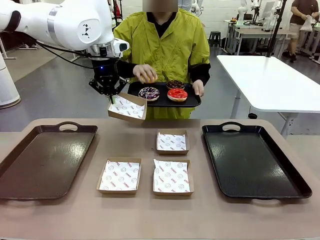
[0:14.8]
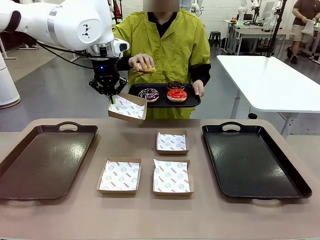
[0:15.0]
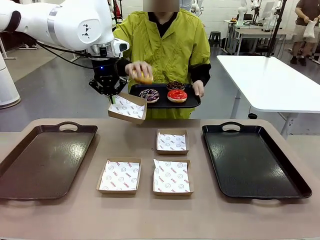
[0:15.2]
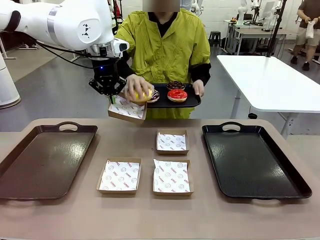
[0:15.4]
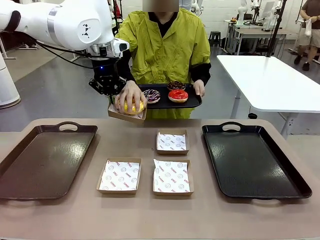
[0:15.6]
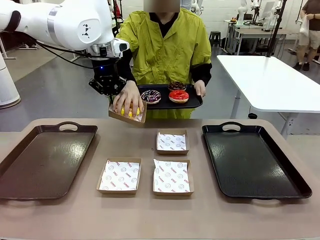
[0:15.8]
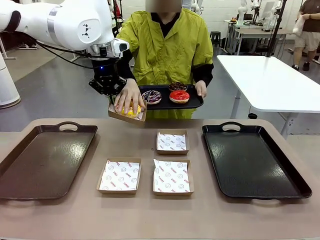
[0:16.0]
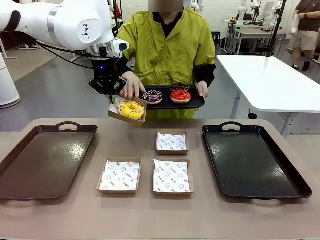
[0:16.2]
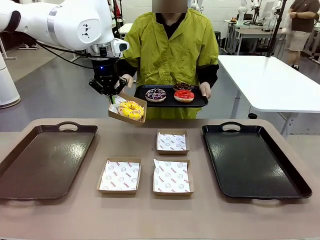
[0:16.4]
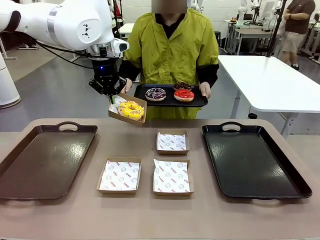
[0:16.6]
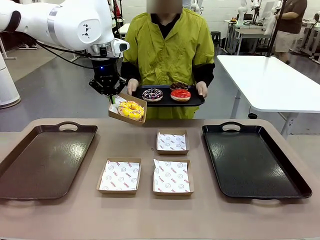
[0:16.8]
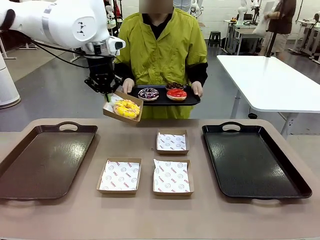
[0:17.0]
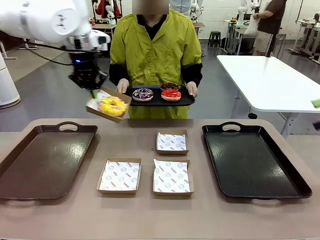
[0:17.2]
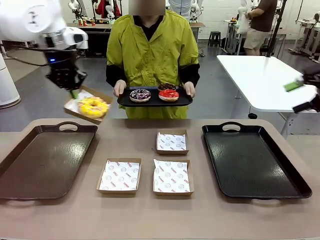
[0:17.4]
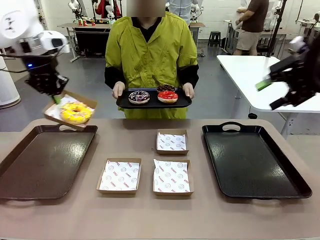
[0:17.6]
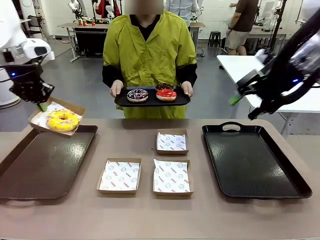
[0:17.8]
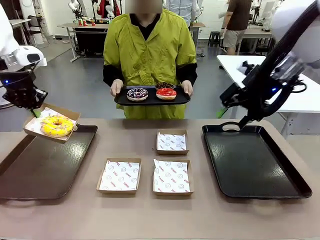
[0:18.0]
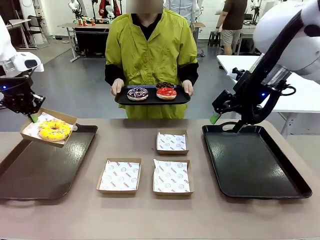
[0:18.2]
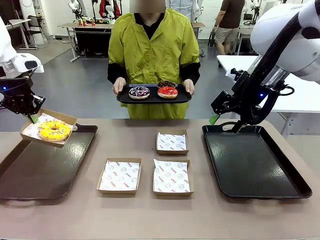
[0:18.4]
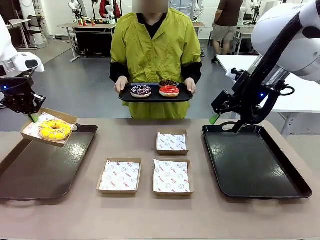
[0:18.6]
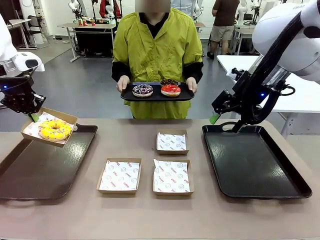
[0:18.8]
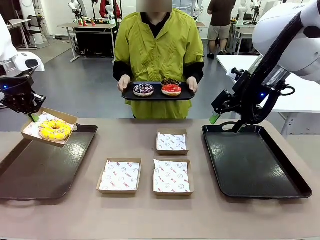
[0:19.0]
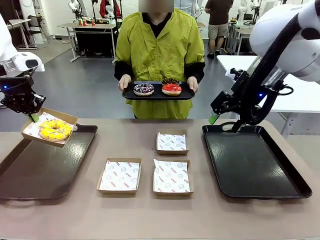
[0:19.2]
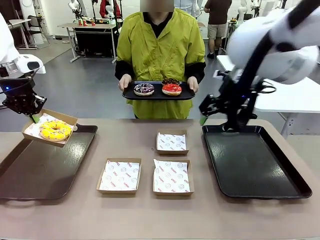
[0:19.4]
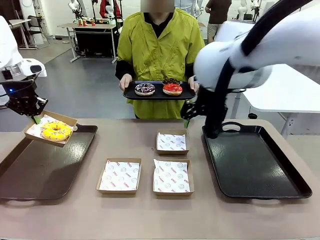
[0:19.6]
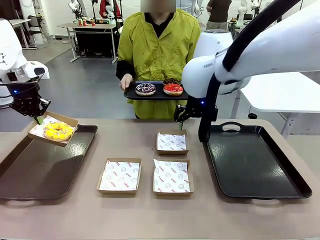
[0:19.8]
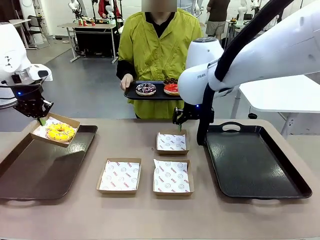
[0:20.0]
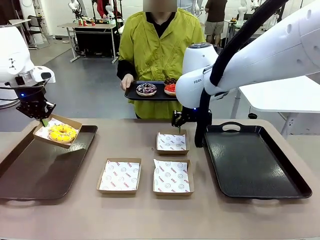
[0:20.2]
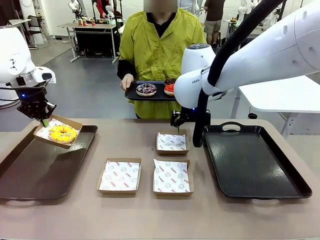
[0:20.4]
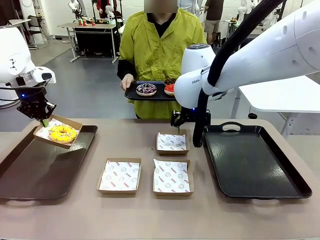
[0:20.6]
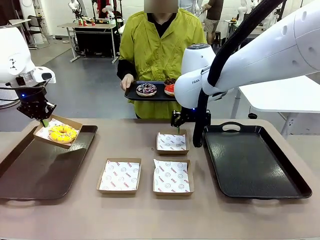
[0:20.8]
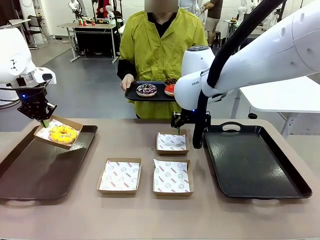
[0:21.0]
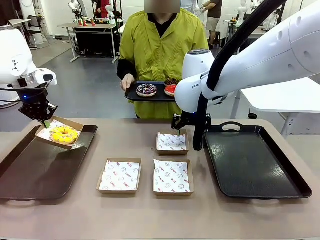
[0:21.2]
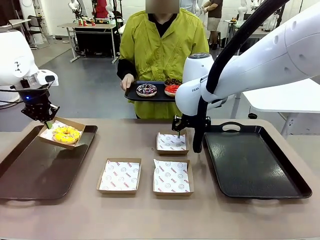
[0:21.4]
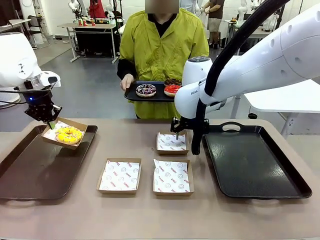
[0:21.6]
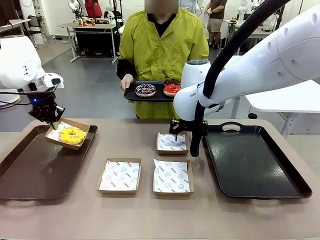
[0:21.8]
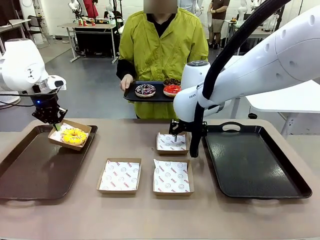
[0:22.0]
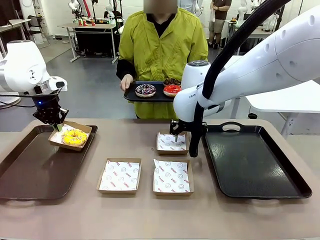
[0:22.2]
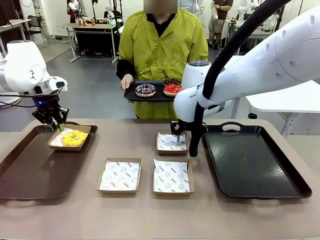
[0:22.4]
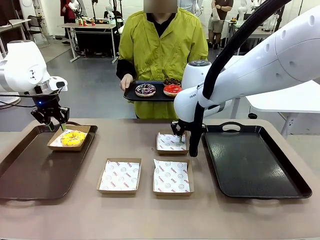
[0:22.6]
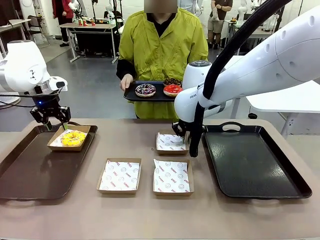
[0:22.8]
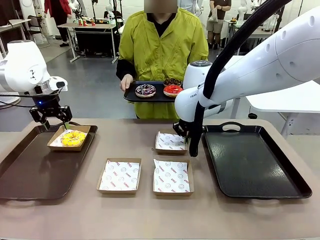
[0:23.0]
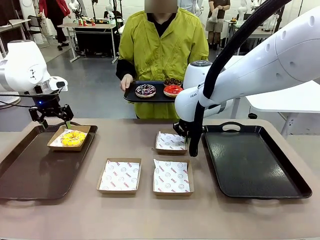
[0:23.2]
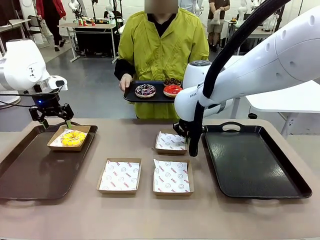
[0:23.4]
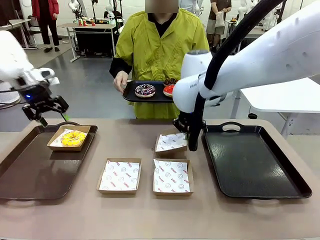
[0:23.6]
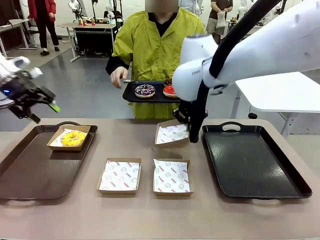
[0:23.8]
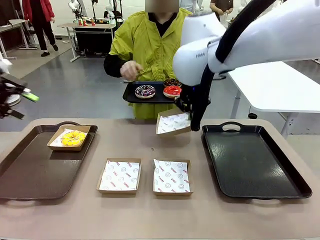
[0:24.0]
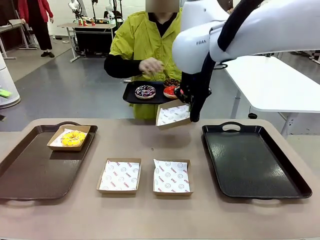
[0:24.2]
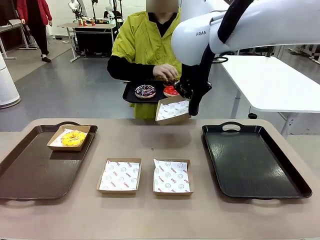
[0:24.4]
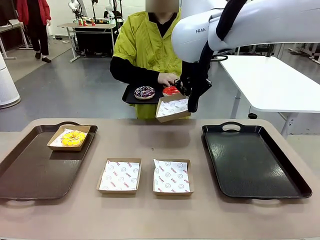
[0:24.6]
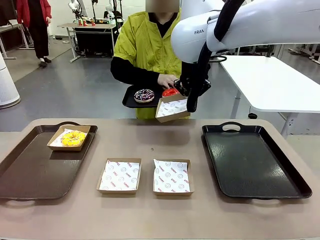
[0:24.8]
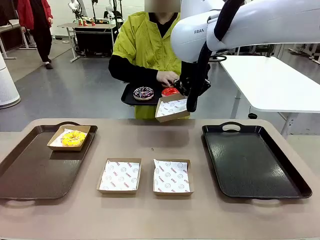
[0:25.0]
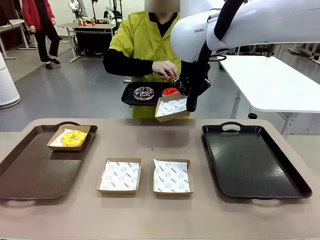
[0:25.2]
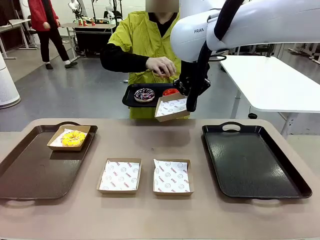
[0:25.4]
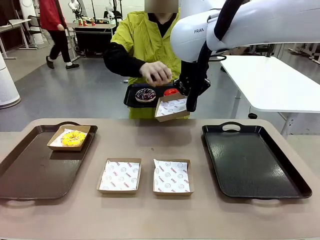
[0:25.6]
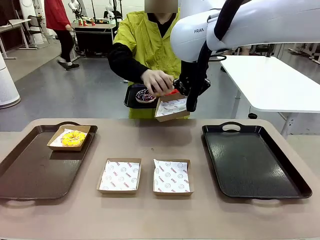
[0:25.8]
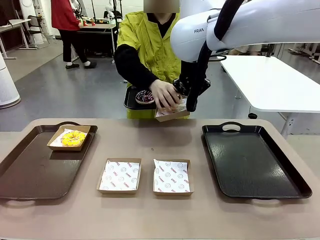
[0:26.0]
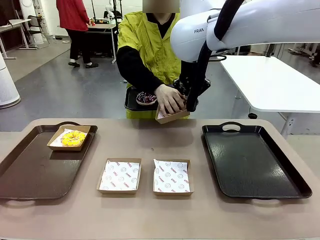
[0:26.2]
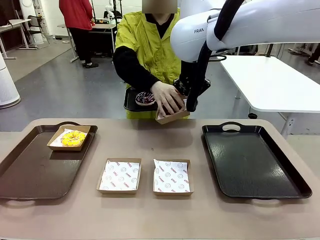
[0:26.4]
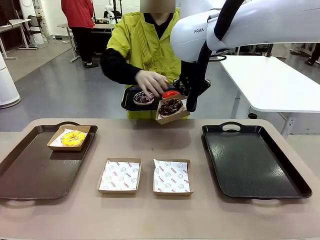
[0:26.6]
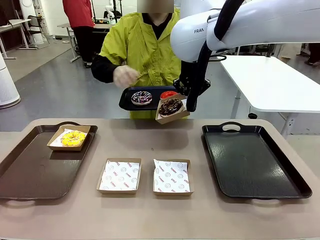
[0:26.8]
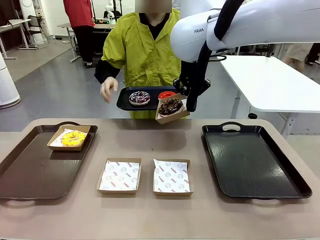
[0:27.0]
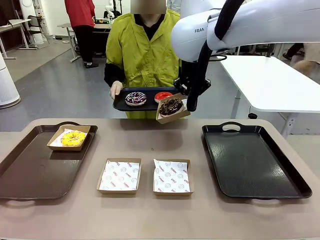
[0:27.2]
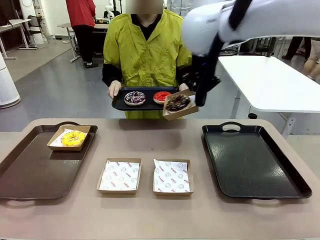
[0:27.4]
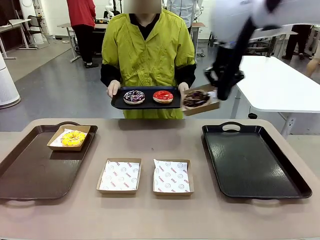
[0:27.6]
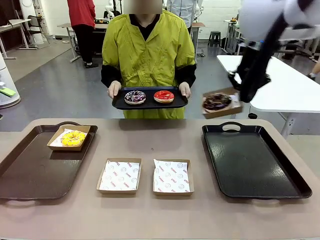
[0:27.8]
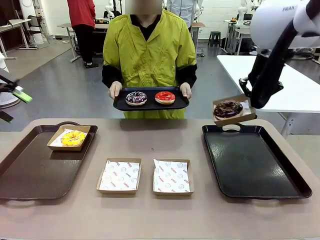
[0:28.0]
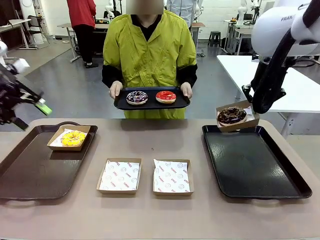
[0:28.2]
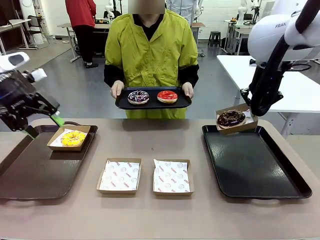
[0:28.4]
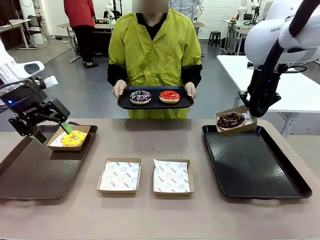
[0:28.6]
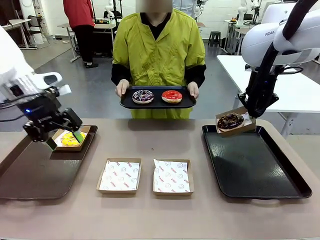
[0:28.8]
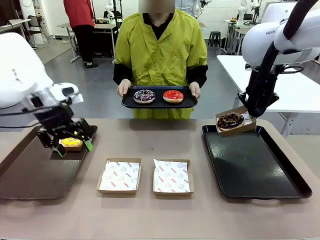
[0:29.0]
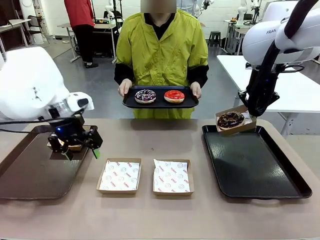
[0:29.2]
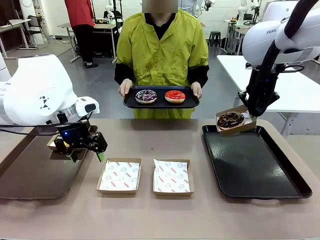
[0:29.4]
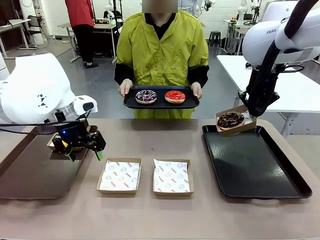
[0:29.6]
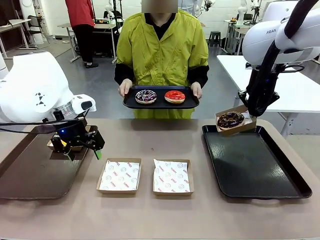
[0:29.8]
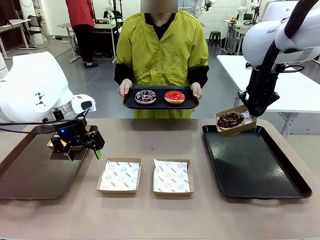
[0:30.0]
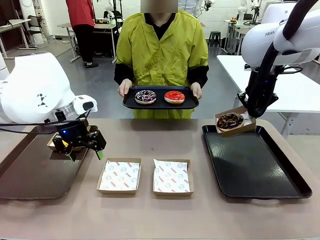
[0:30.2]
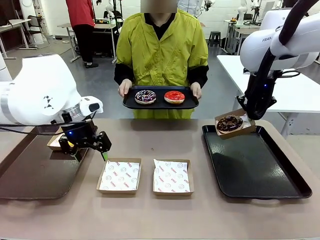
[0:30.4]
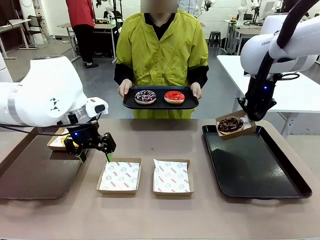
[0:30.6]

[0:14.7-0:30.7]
Task: Individually package the donuts and arrange them on the tray.
Robot: Place the picked Paper togo box on the Handle tray while simultaneously picking up another Paper togo box from the table with the other hand.
